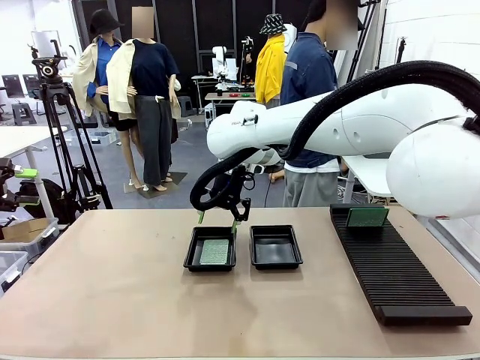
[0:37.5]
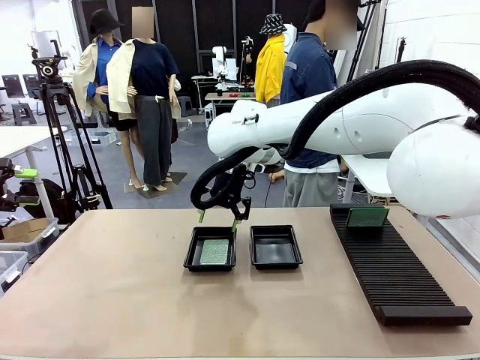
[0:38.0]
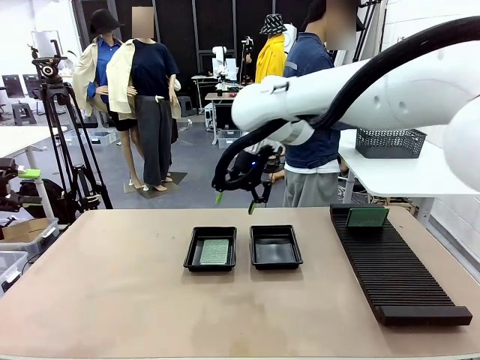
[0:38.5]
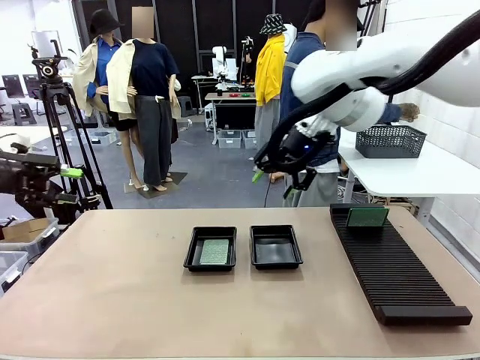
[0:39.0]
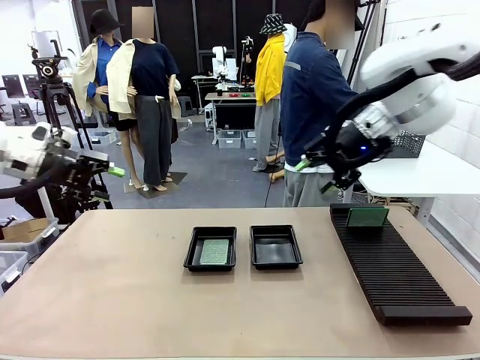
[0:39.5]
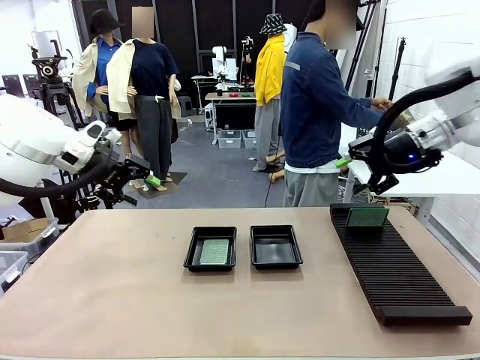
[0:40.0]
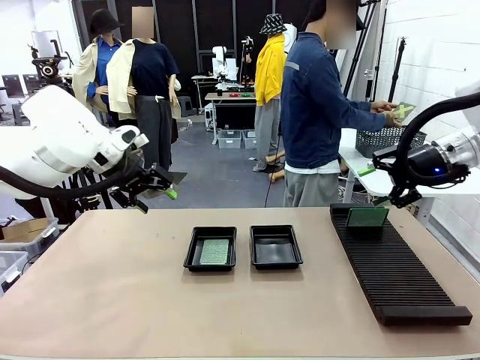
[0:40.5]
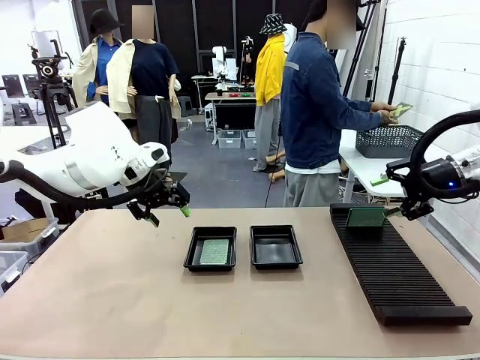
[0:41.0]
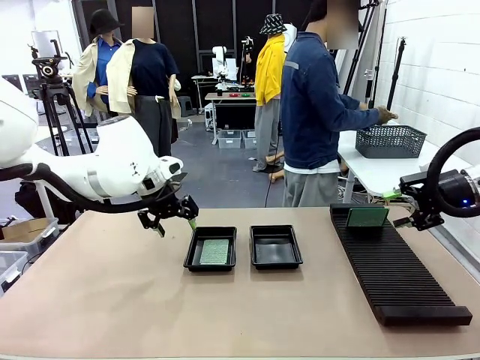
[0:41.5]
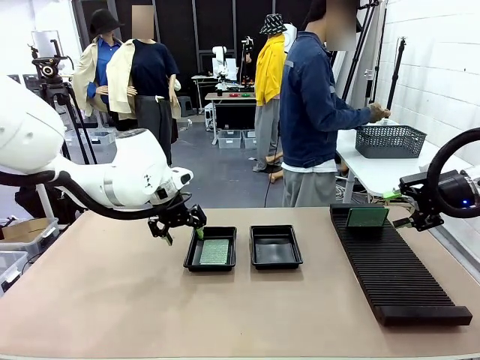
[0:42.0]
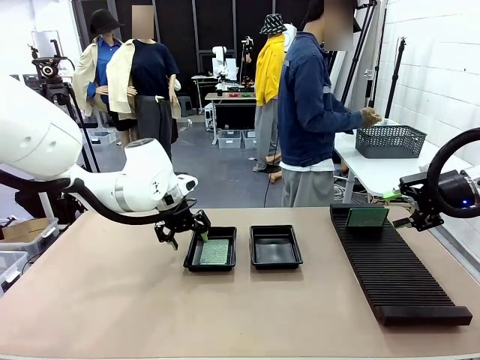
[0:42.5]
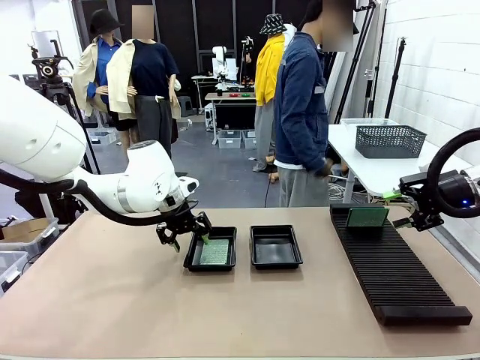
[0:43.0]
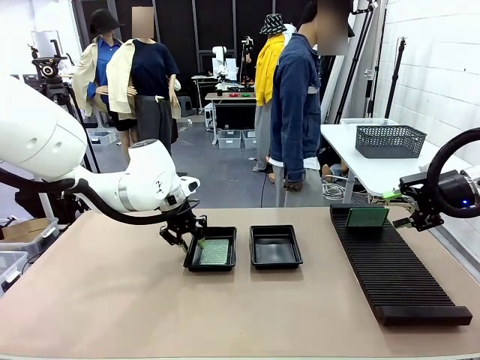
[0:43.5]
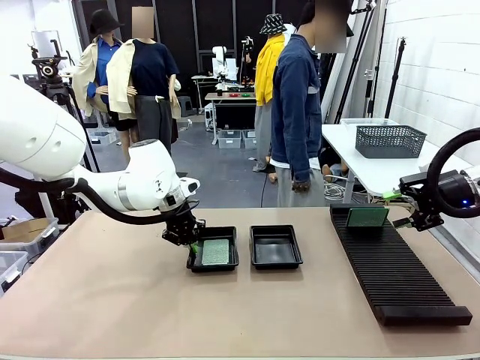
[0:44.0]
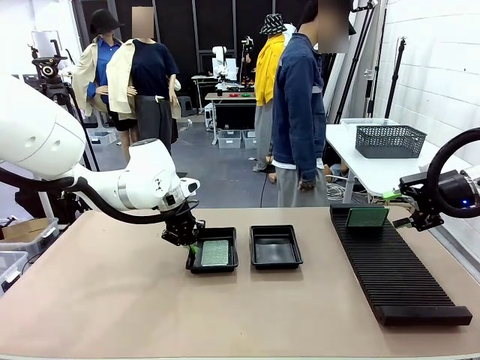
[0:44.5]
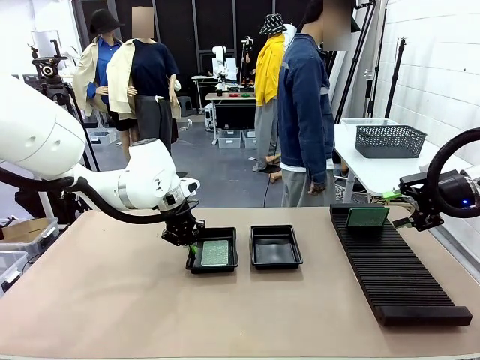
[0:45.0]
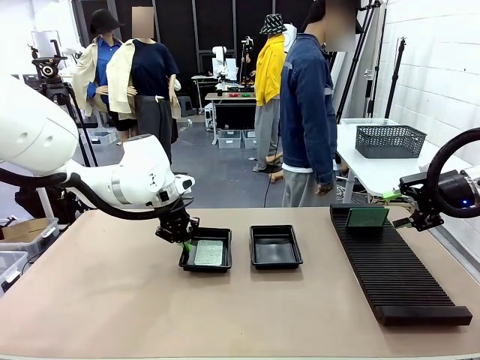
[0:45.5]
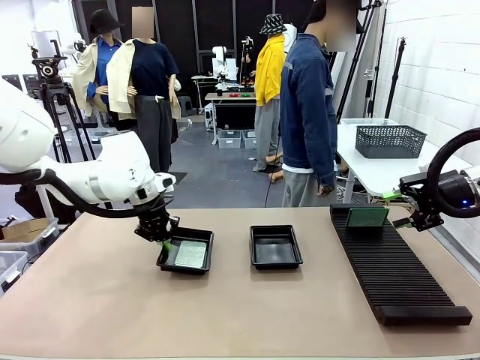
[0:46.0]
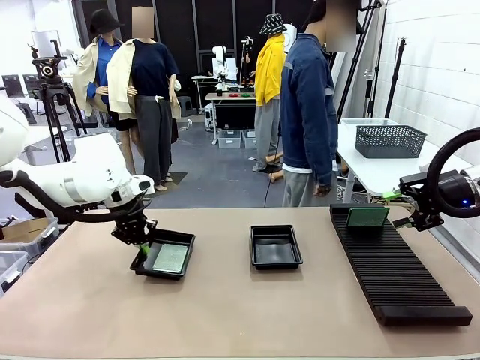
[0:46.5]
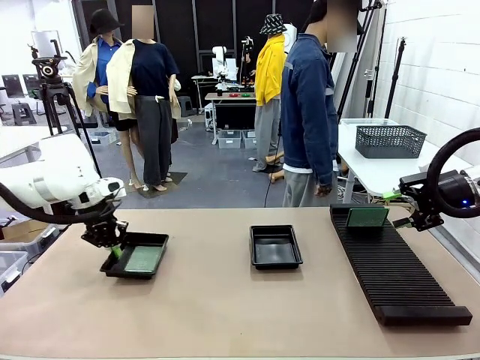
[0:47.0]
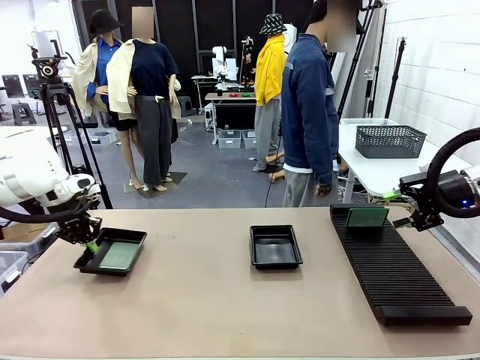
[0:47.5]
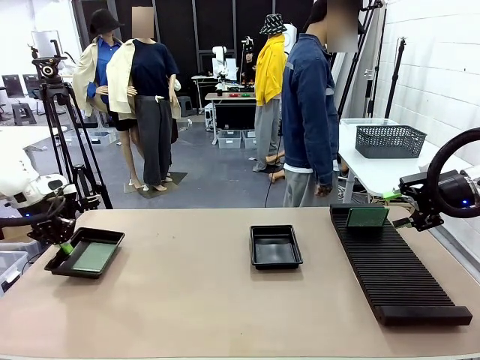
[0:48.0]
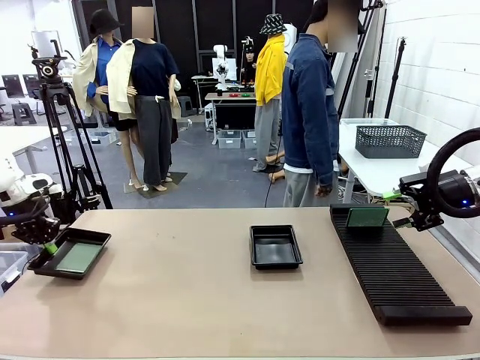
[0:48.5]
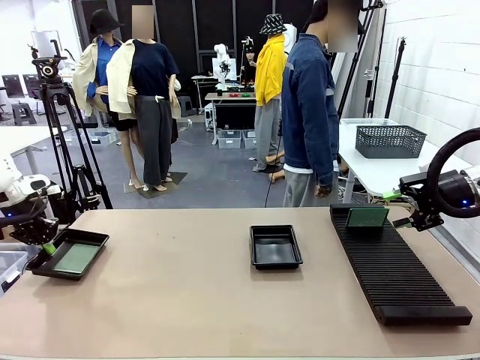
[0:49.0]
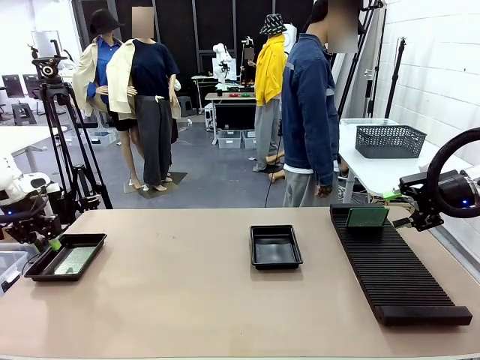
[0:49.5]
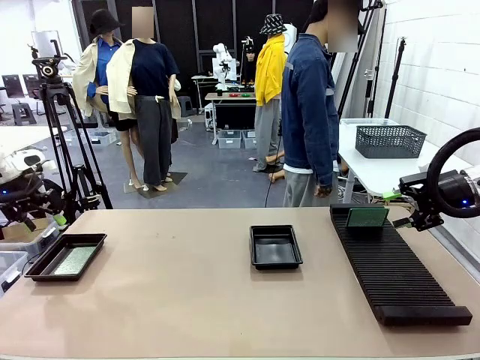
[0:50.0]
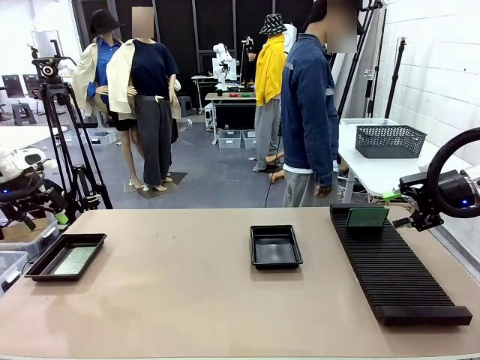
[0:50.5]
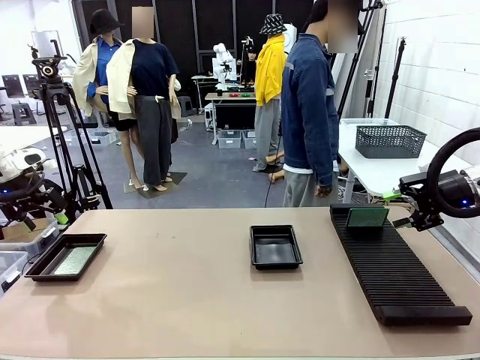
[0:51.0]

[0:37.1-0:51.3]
Task: Inspect and transfer BCBs to ESD trays.
Robot: Pick up the ESD tray and place it on the left side of the table.

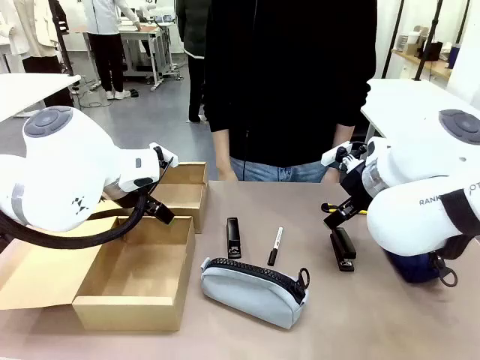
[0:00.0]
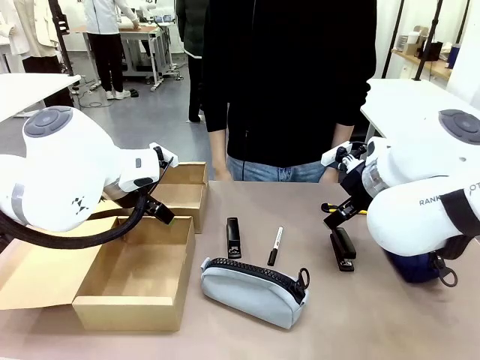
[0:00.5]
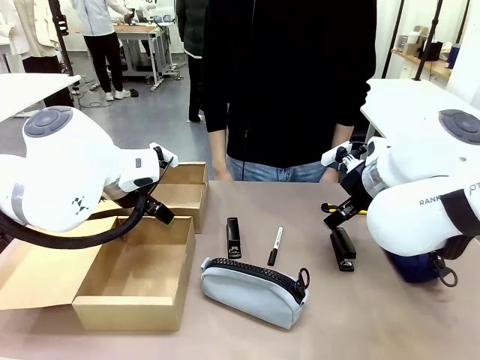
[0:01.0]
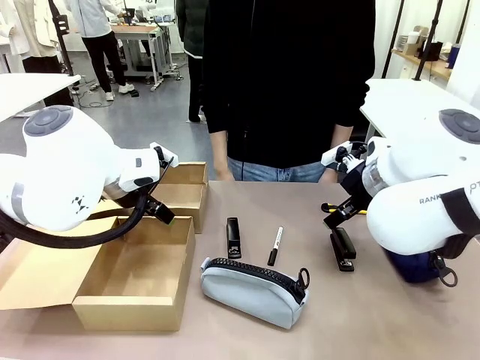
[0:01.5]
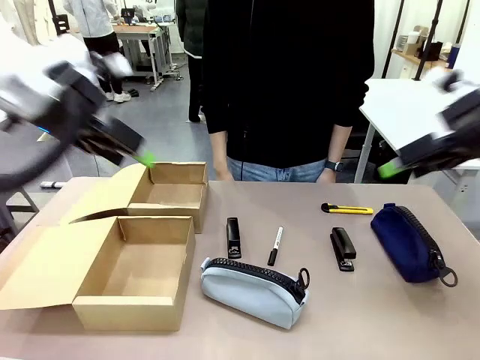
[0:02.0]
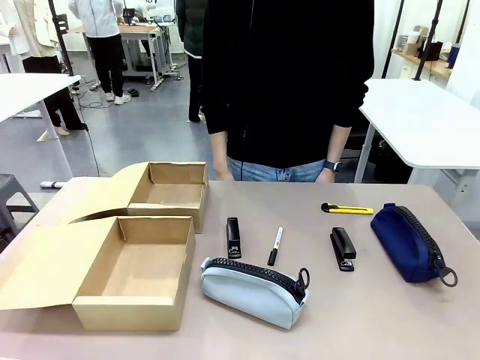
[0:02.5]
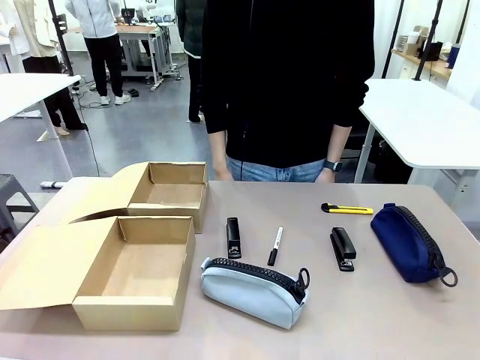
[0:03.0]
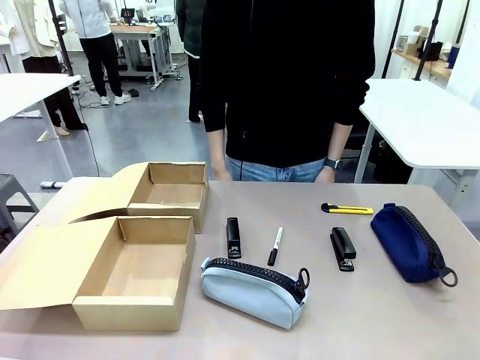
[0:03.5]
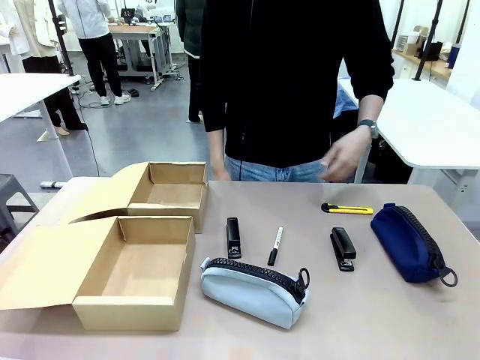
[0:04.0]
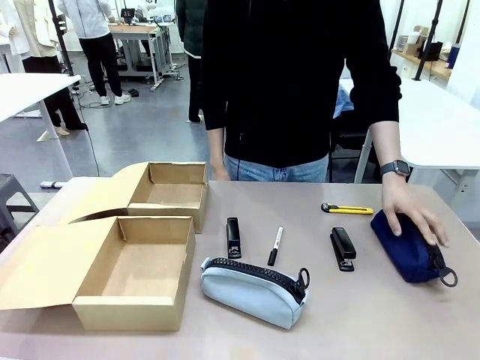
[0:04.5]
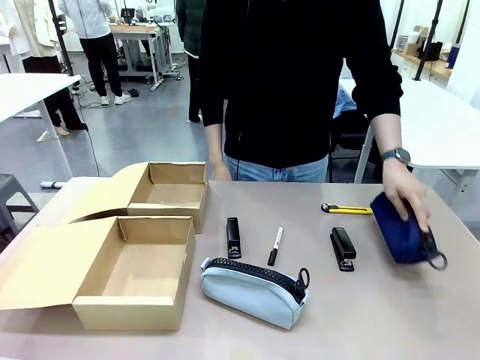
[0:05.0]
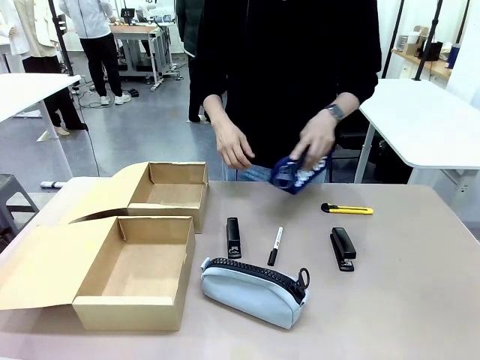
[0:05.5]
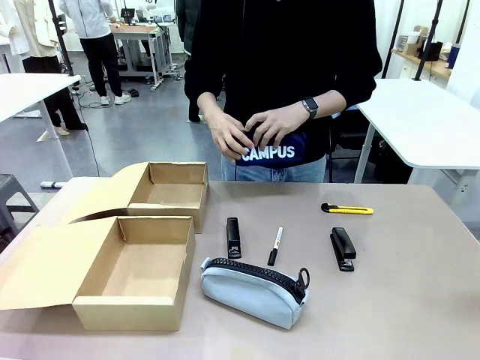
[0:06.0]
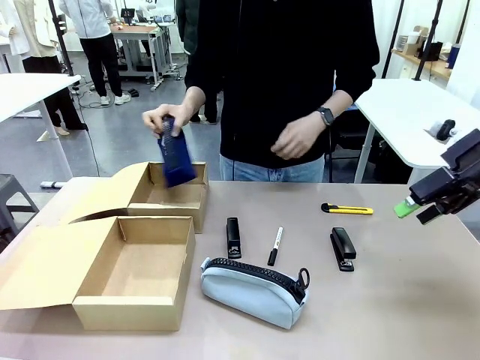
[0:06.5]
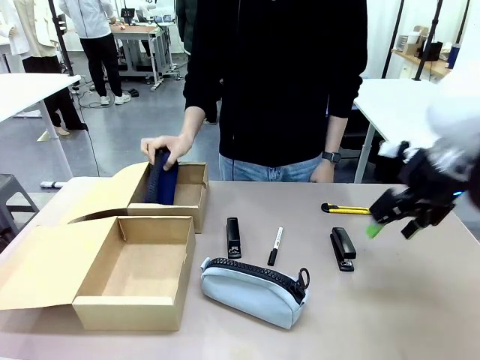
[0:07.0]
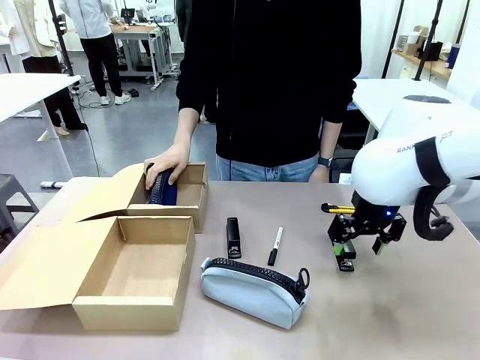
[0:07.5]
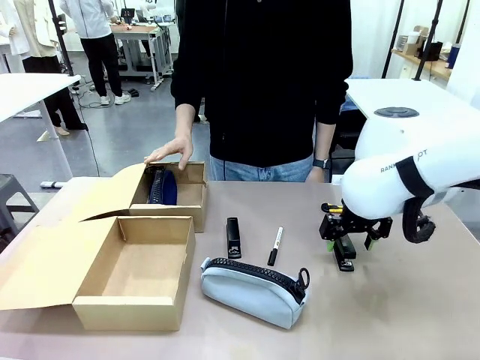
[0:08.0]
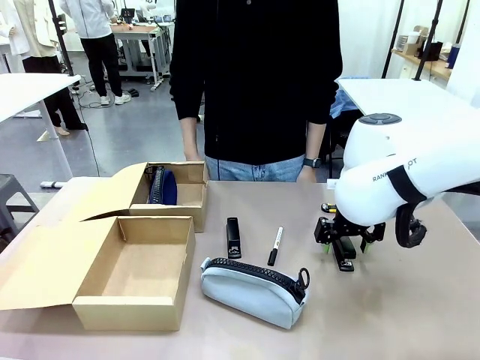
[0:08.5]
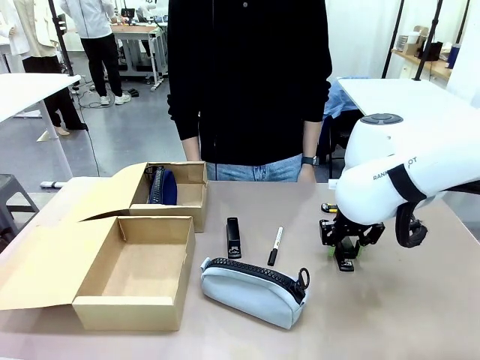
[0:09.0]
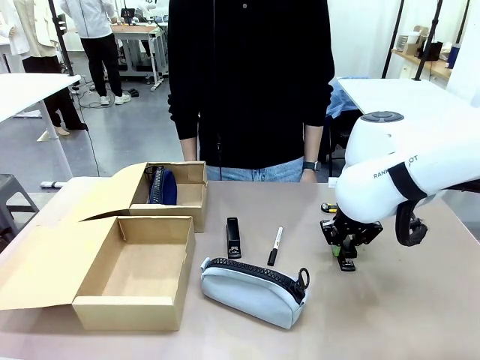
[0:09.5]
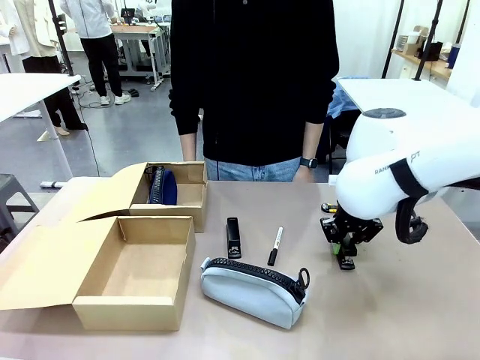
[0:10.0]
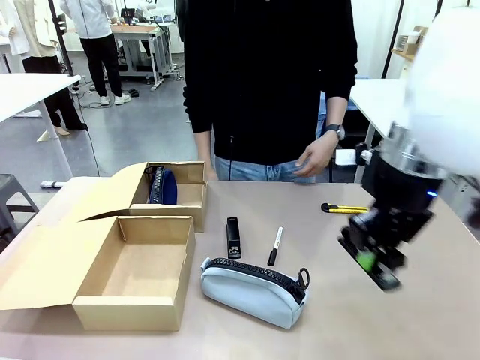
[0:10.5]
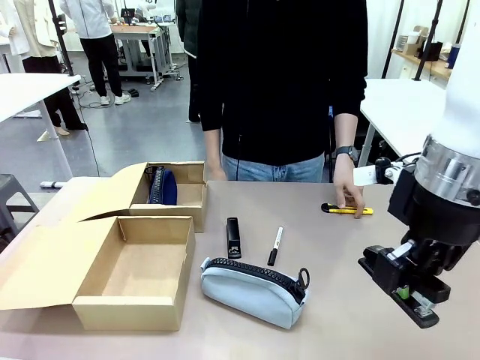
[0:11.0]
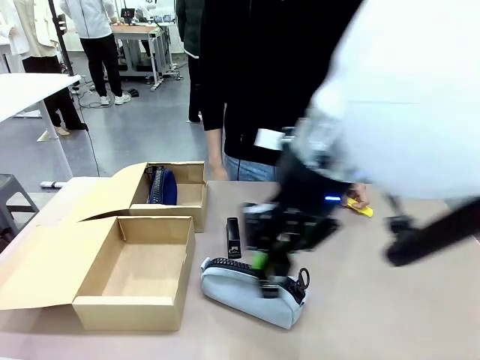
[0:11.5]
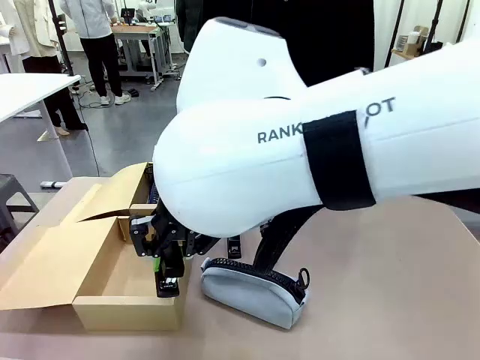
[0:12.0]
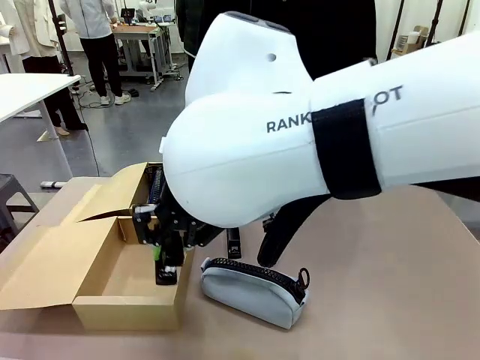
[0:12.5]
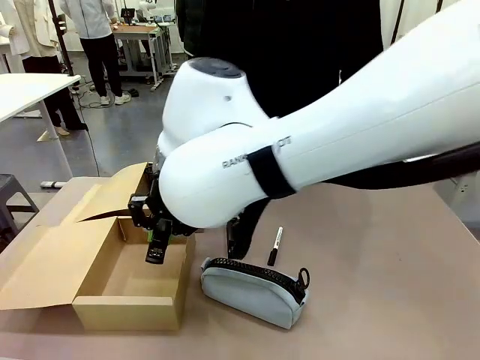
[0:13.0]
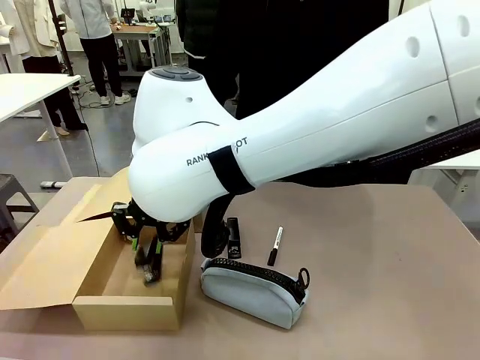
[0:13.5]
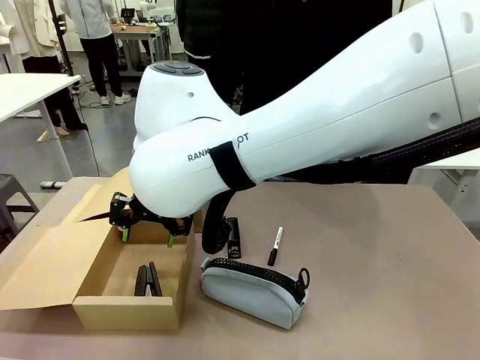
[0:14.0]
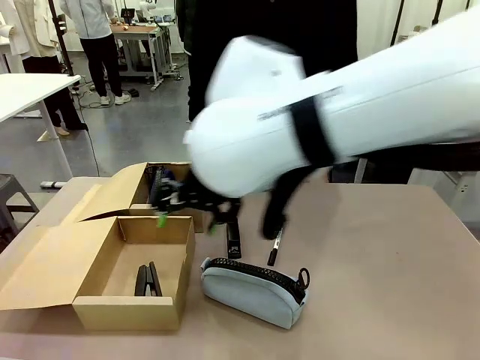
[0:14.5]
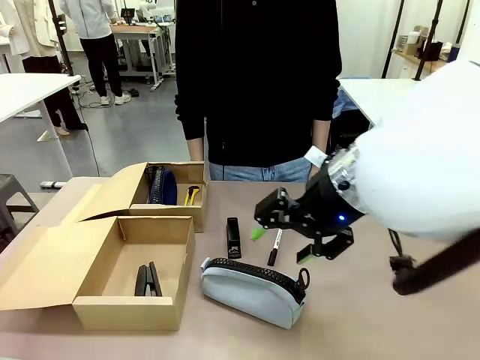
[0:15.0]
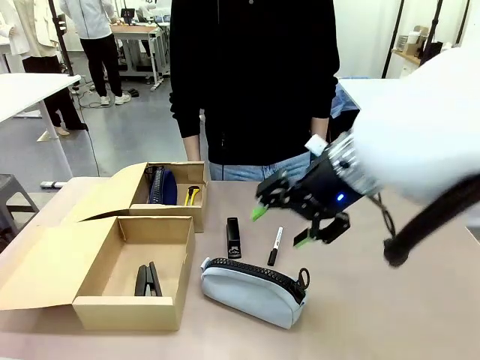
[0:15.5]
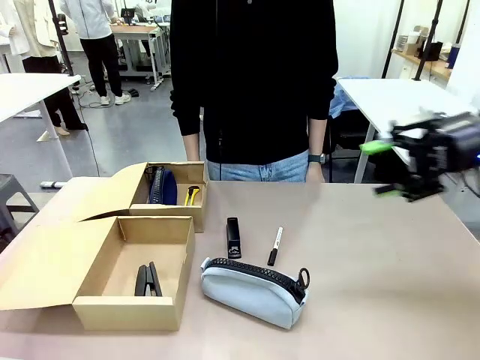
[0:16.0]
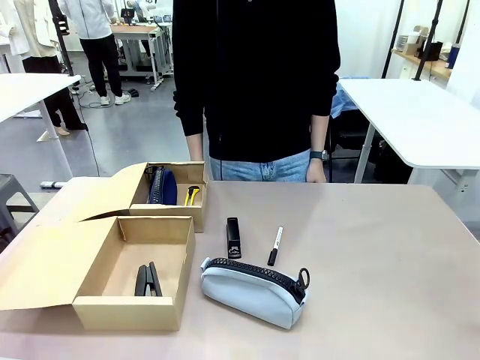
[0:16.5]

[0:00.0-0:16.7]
Task: Place items inside the box.
Robot: Pick up a Pencil pouch or Stapler and place it inside the Mailer Box closest to the robot.
Person: Pick up an object on the table and put it in the box.
